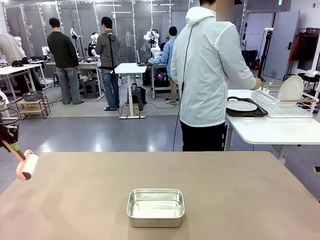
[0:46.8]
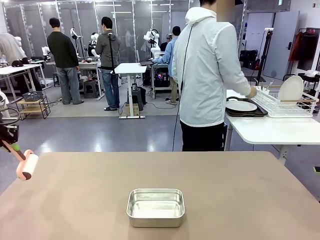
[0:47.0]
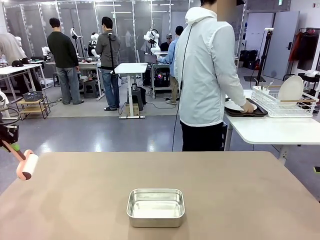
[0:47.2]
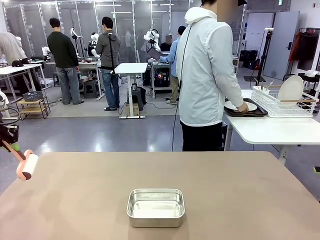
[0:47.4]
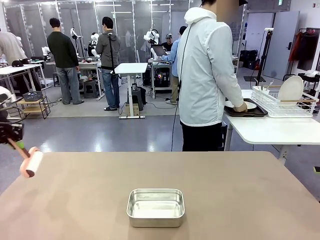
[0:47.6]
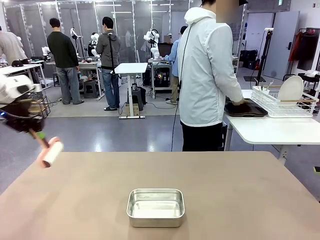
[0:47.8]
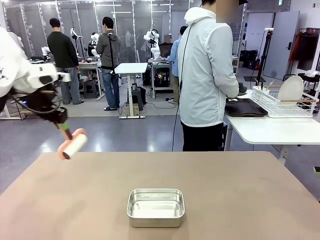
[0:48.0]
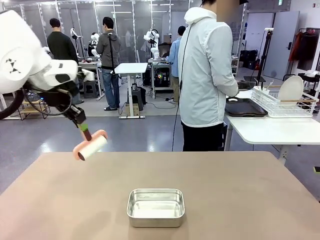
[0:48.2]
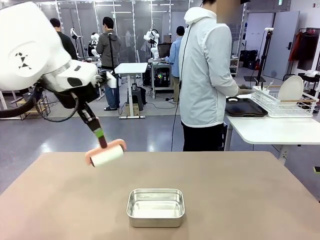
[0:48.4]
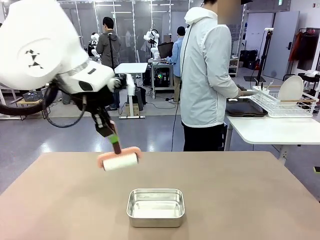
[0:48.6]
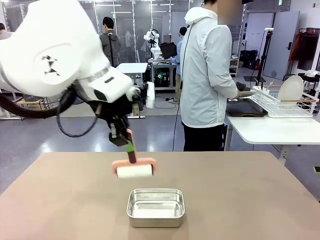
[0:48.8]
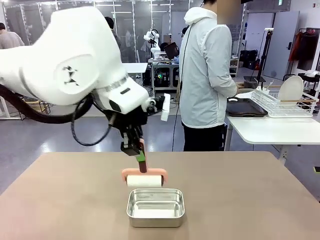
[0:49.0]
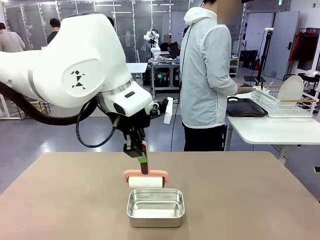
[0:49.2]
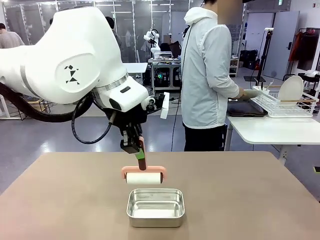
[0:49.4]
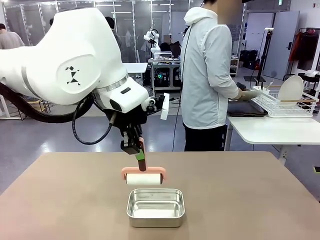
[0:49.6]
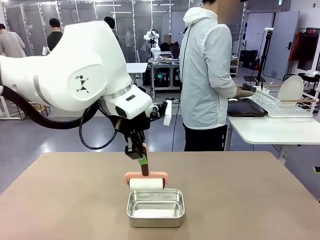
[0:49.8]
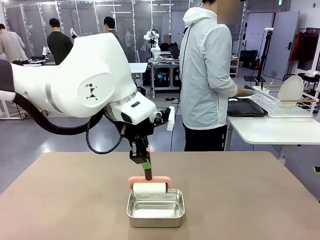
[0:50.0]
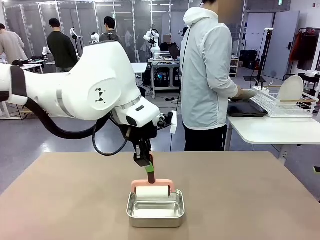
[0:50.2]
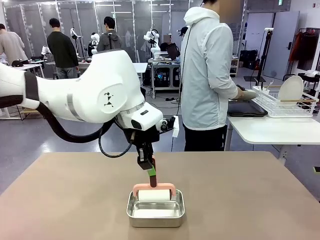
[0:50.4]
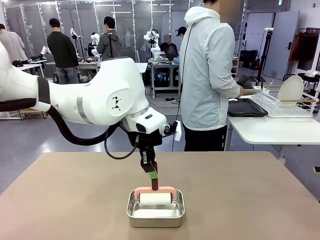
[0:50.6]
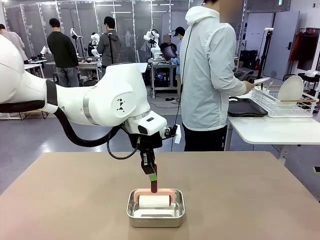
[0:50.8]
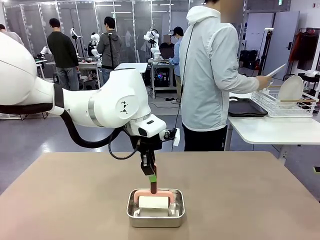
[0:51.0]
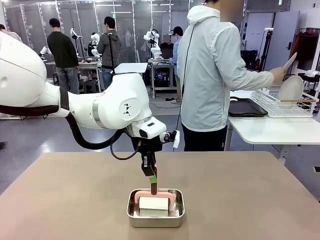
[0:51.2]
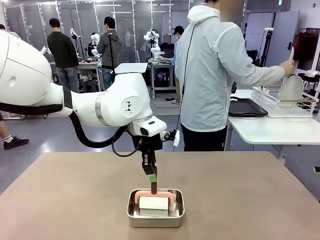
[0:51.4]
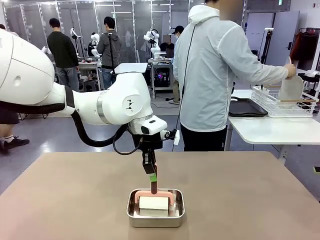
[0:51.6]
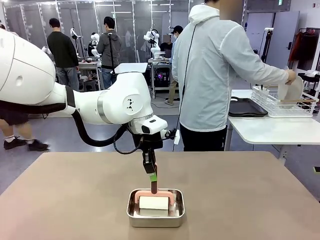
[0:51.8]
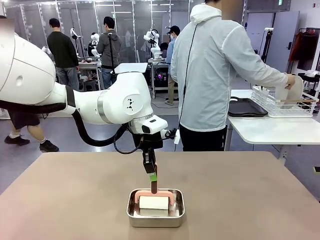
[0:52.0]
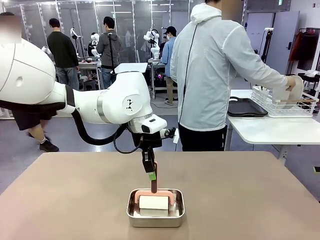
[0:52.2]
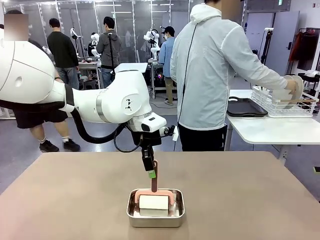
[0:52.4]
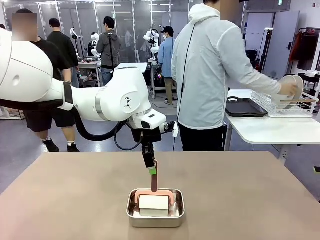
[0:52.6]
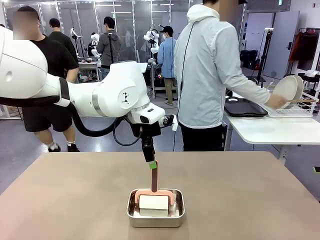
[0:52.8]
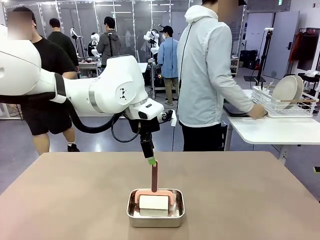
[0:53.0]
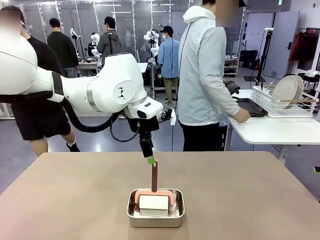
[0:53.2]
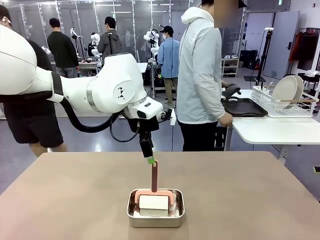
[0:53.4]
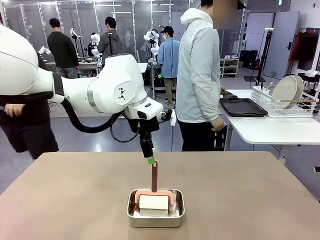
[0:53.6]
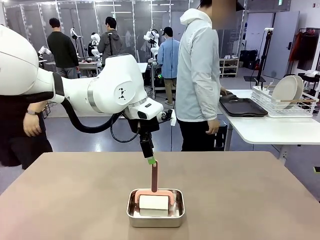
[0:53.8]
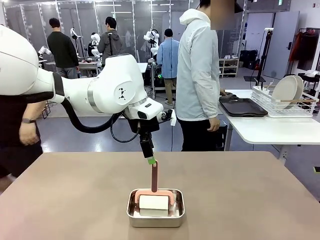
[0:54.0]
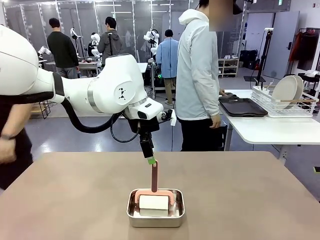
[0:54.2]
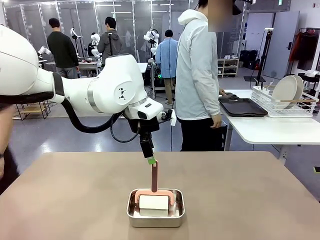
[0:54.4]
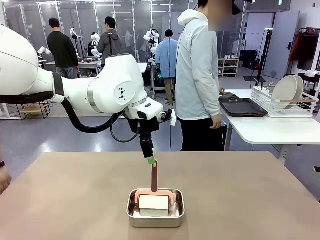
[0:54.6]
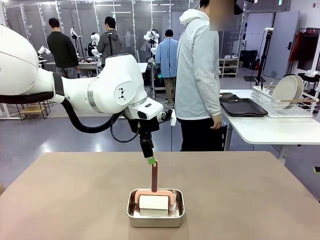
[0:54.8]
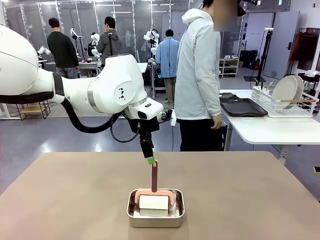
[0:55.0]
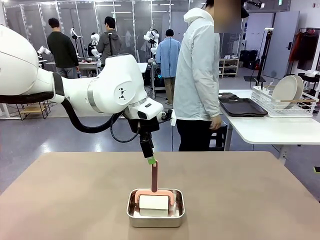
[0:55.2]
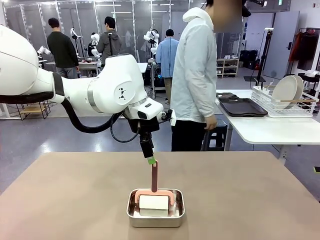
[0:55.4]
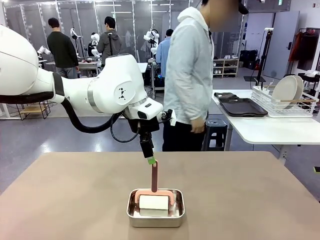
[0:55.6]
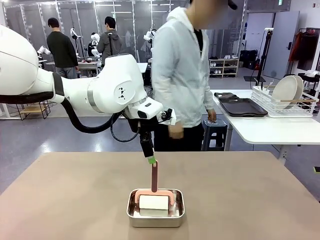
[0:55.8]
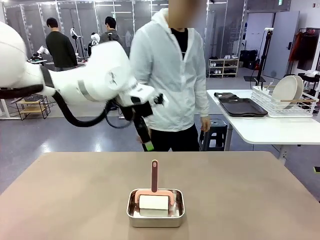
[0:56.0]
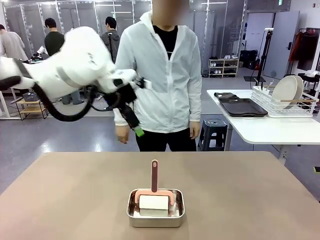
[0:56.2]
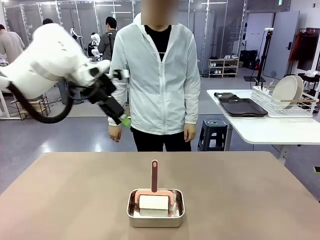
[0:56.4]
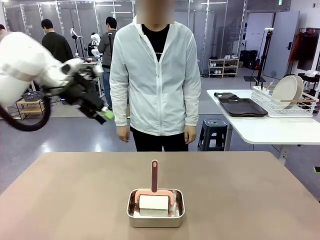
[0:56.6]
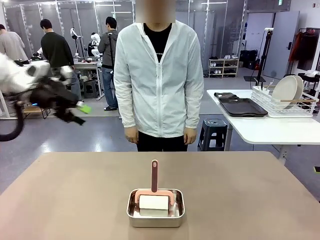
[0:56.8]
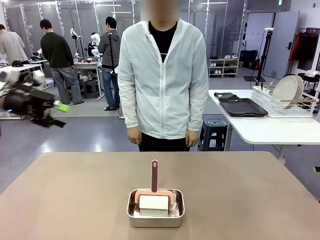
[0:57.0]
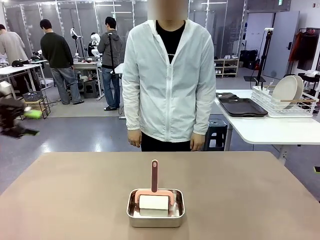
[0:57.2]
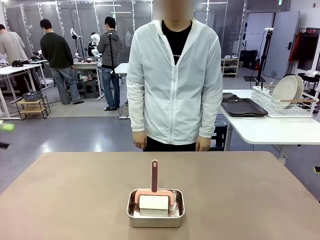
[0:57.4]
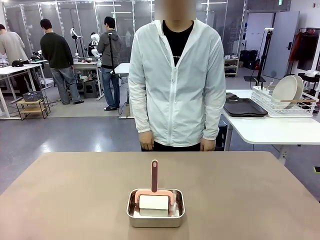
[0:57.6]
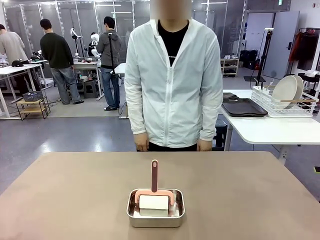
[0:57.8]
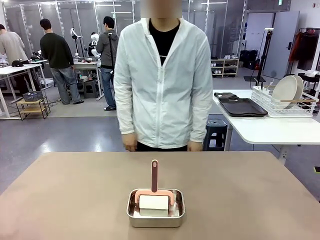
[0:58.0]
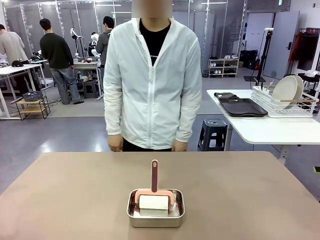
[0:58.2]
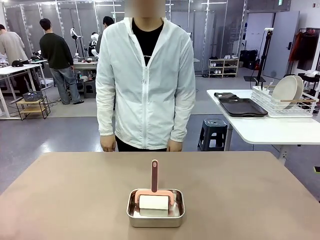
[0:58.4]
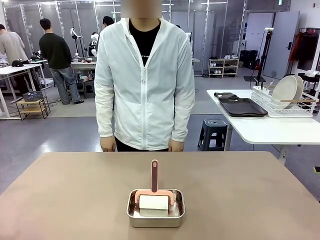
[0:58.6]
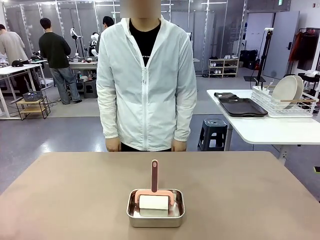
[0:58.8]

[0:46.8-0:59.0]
Robot: Place the Lint Roller back on top of the Airtight Container.
Person: Use the Towel with hook to wipe the Plastic Matte Plate , Fork , and Knife and place into the Dish drying rack.
